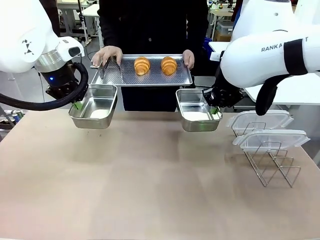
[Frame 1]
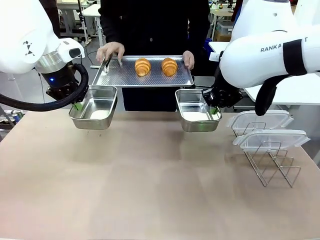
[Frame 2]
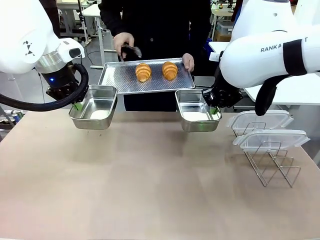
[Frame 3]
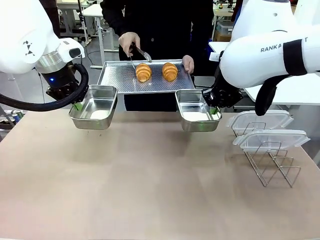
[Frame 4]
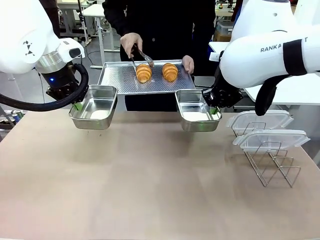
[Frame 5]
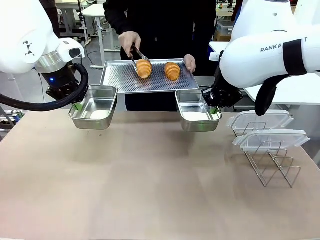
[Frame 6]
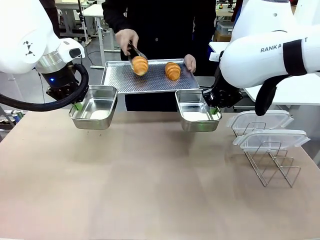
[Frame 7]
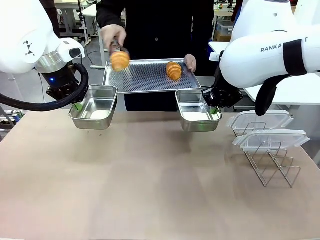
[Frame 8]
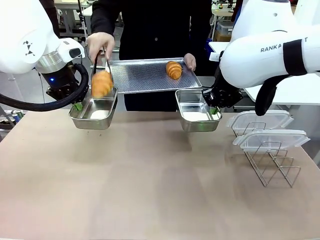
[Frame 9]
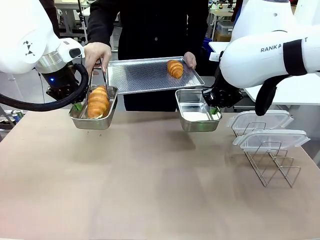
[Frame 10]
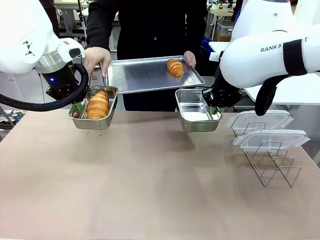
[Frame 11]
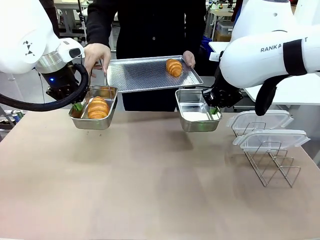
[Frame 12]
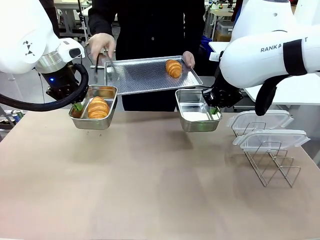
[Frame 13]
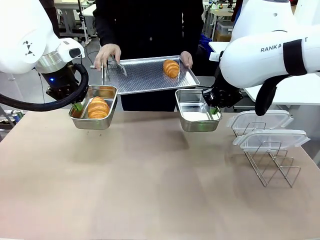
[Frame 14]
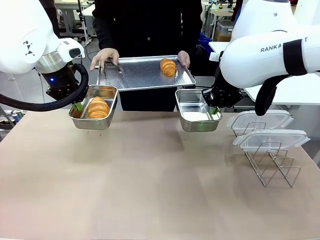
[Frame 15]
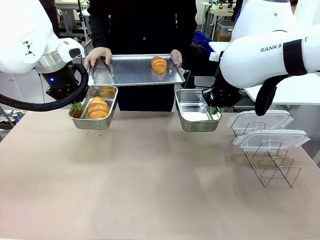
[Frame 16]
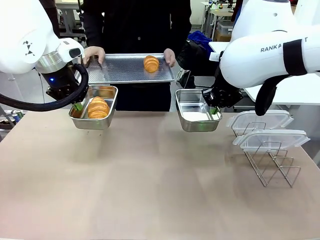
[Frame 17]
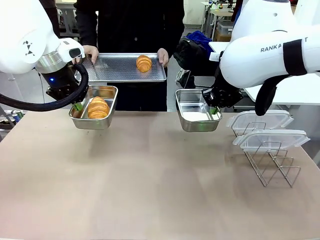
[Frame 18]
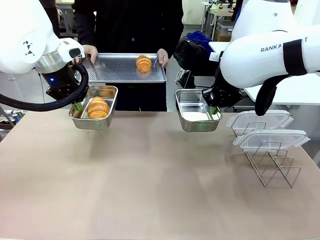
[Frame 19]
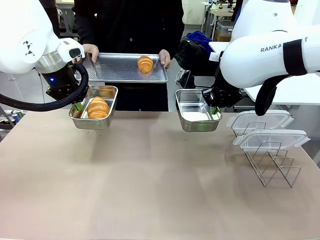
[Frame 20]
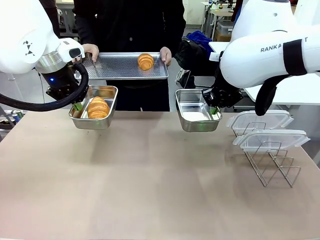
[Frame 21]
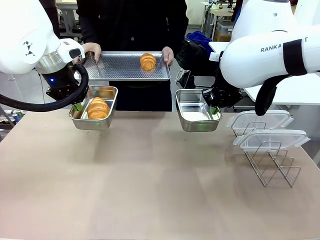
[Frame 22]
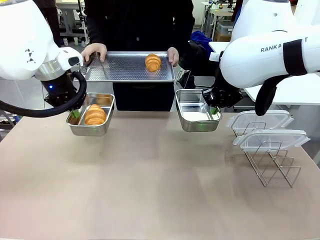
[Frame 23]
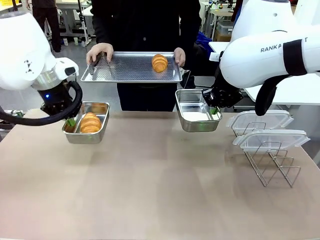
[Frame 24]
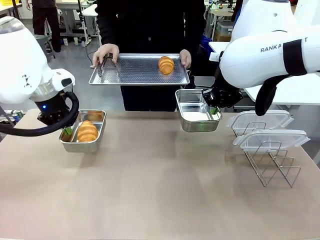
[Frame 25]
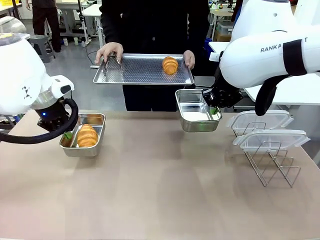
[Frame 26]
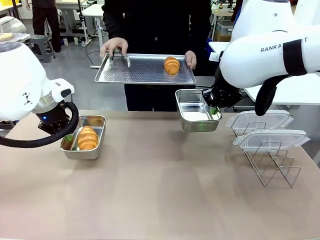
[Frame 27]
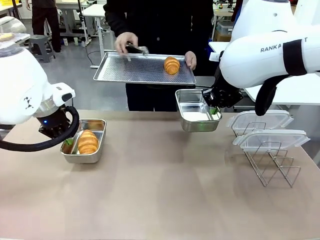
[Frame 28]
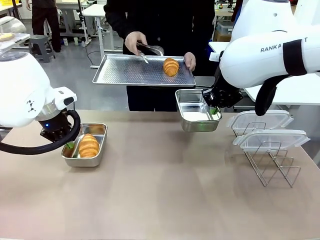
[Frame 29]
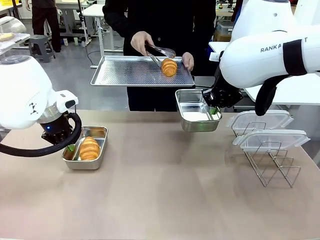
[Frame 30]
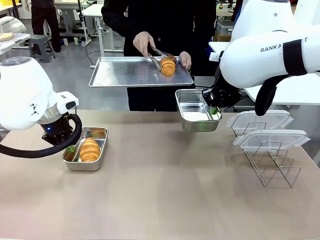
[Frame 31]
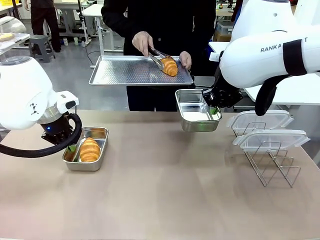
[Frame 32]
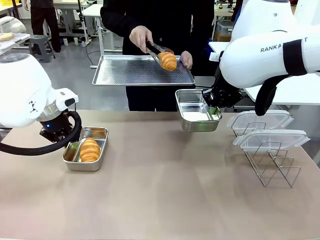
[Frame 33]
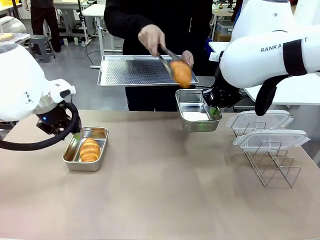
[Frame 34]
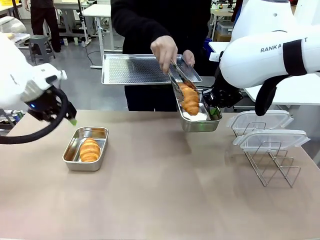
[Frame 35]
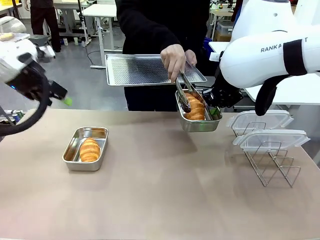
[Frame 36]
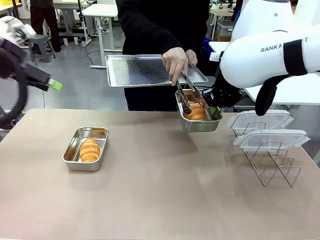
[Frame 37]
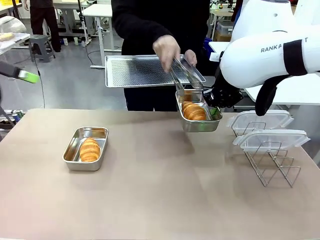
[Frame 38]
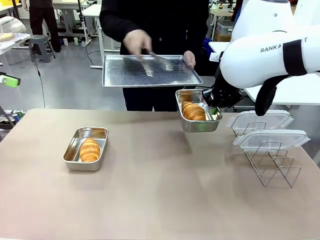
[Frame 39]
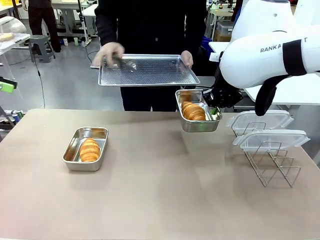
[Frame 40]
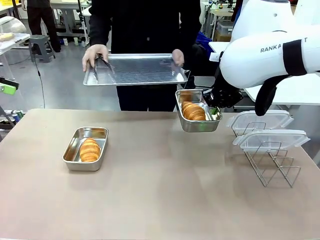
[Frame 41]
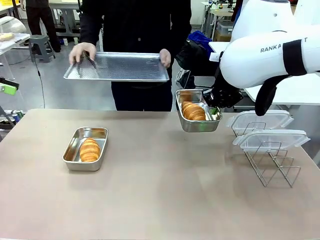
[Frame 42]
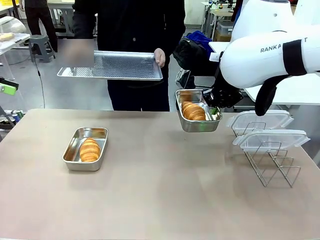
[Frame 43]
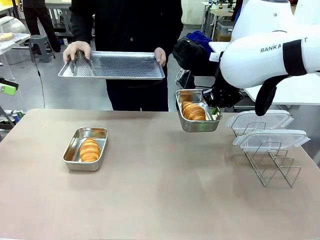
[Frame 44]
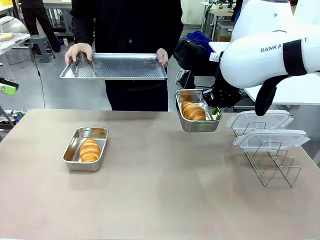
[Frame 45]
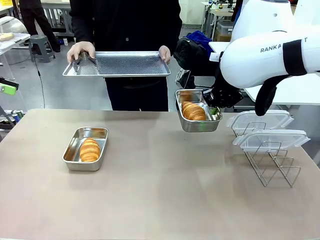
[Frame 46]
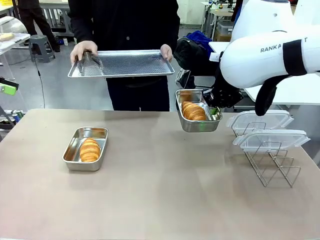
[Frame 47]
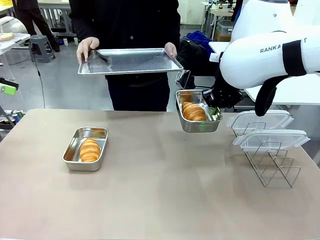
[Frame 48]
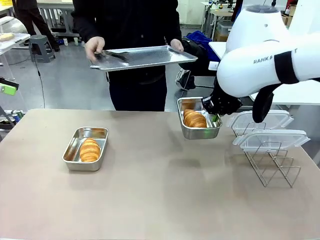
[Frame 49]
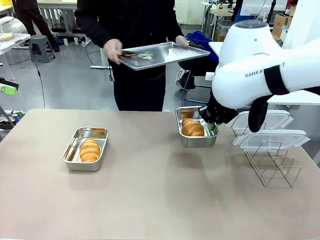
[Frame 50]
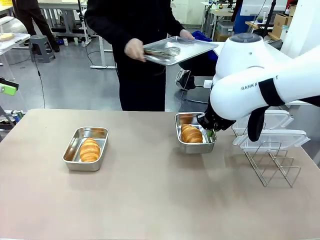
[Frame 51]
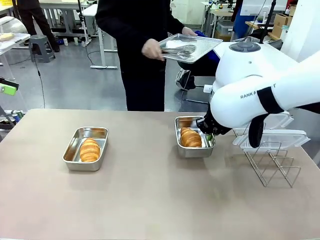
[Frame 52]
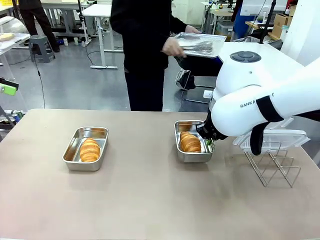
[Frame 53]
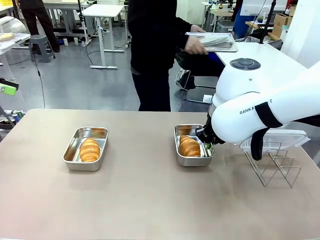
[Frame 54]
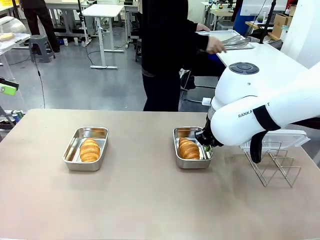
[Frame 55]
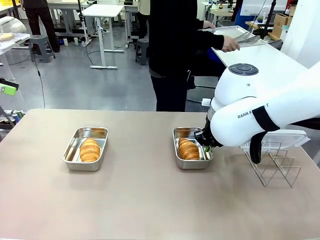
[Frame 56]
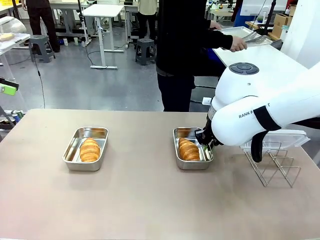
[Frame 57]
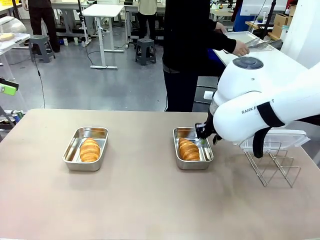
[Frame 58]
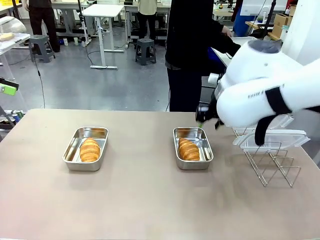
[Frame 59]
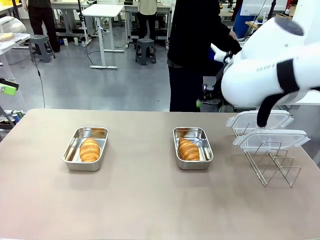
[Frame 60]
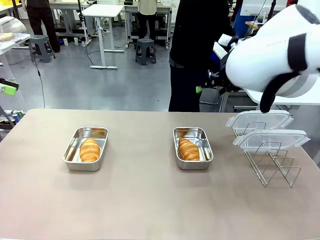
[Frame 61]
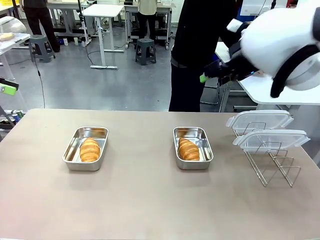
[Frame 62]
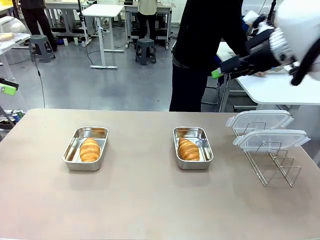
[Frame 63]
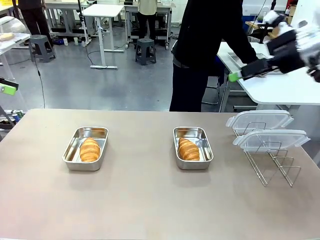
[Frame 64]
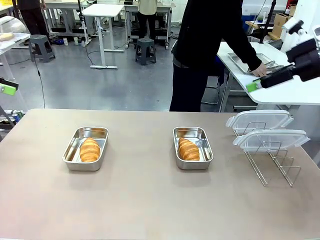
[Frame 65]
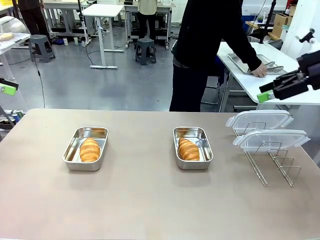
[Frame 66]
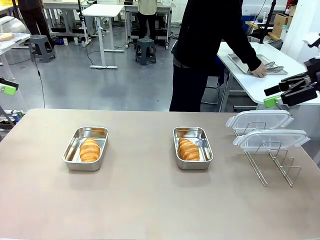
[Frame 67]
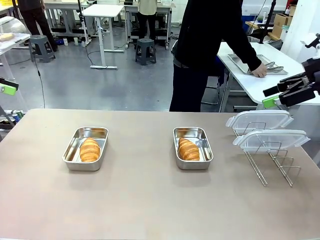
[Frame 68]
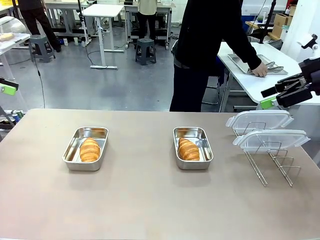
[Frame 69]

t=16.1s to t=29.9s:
Task: Place the bread in airtight containers.
Robot: Once an object is inside an Airtight Container , place the container in the center of the table.
Person: Use the Stainless steel tongs to place one object from Baking Sheet into one Airtight Container. Place Baking Sheet on the Human's Table.

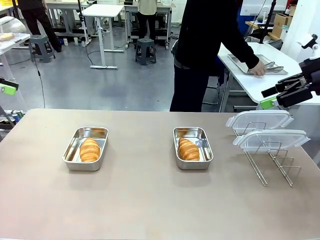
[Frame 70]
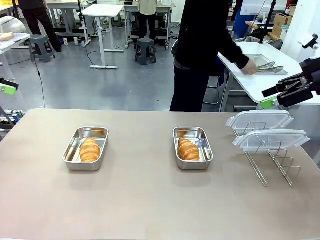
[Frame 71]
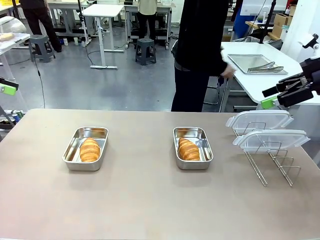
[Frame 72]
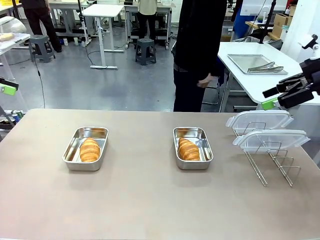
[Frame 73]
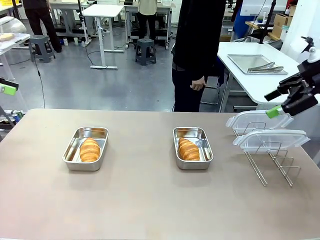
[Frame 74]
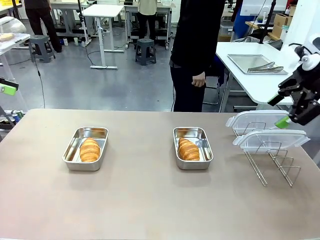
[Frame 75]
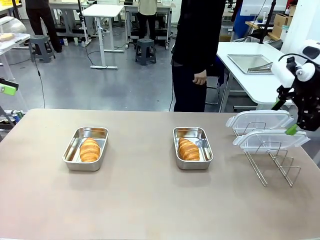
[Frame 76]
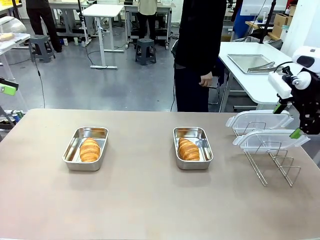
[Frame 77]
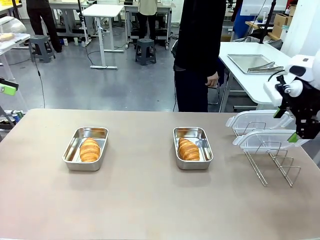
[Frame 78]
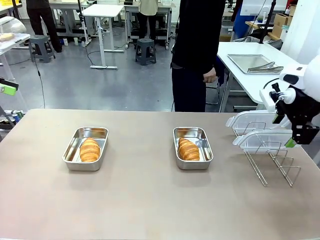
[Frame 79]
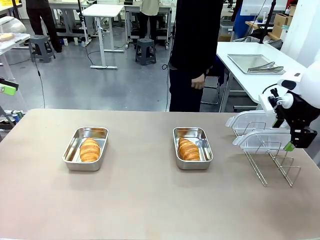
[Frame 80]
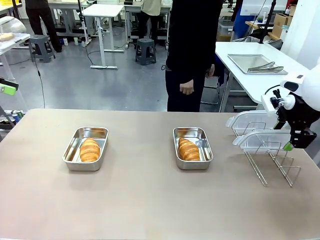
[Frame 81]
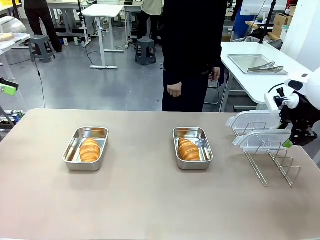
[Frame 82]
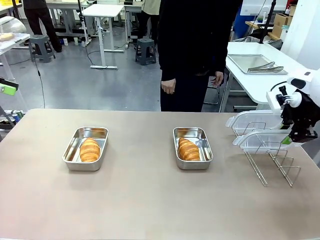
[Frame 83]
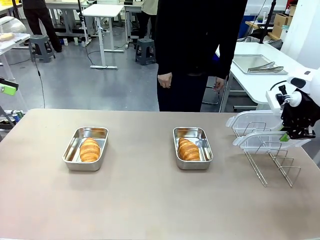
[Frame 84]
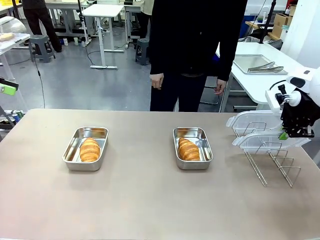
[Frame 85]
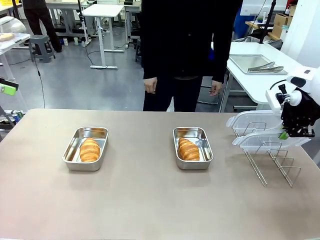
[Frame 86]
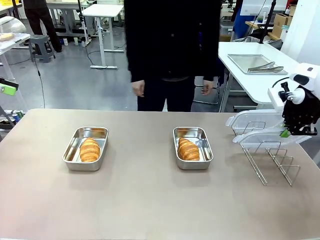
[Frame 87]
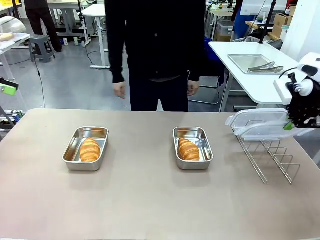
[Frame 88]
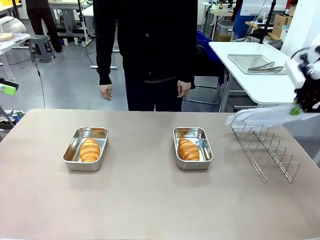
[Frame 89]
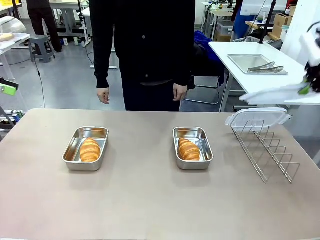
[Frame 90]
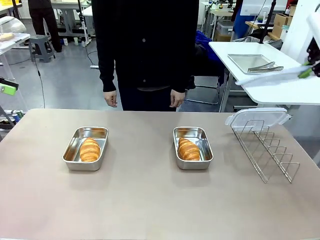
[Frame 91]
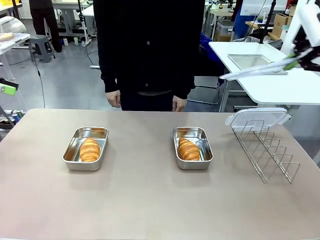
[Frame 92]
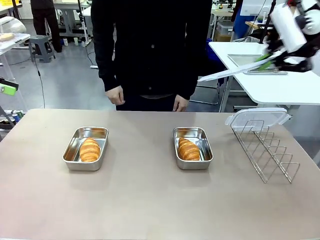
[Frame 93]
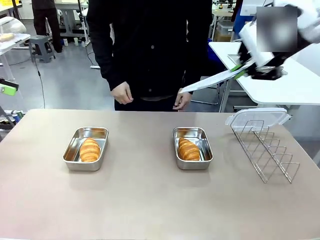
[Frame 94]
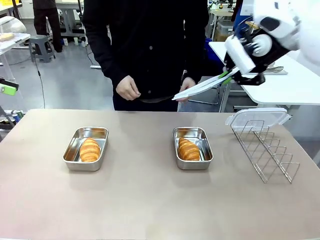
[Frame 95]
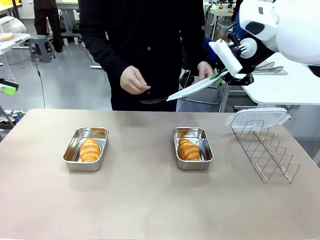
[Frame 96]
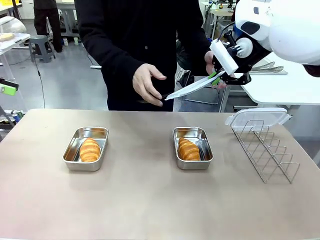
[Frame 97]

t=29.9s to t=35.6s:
Robot: Pick up one Airtight Container lid and hand it to the human.
Person: Grip Airtight Container lid that robot is handing.

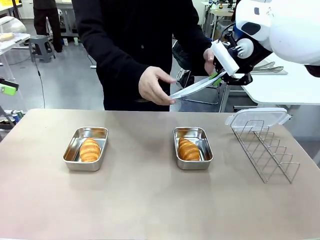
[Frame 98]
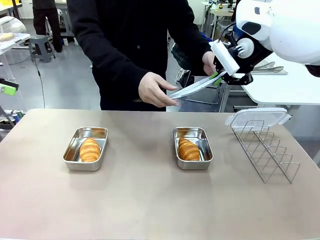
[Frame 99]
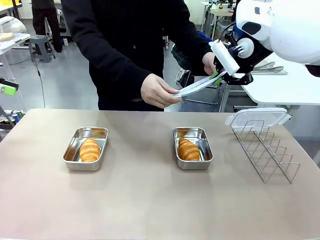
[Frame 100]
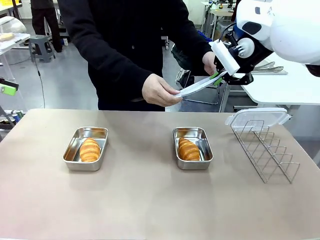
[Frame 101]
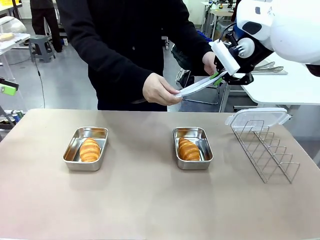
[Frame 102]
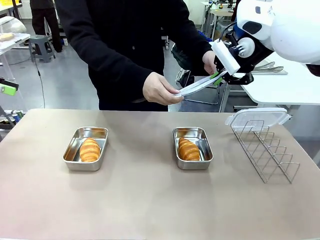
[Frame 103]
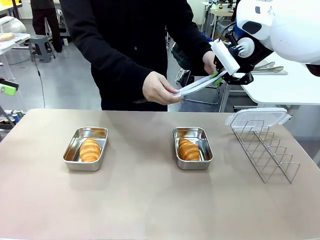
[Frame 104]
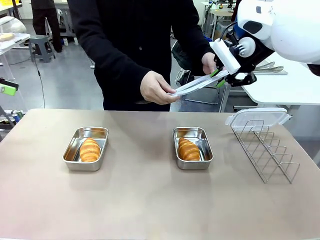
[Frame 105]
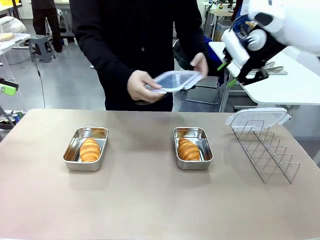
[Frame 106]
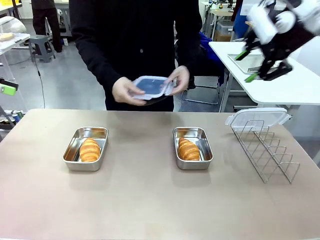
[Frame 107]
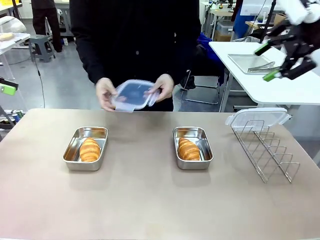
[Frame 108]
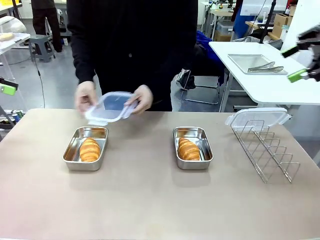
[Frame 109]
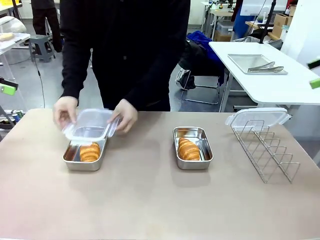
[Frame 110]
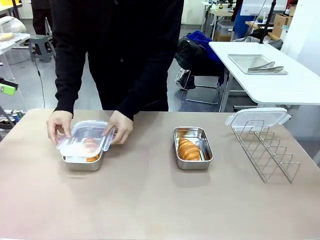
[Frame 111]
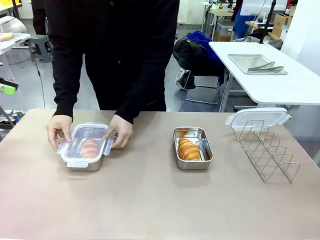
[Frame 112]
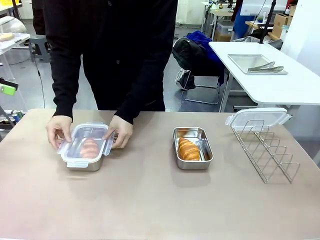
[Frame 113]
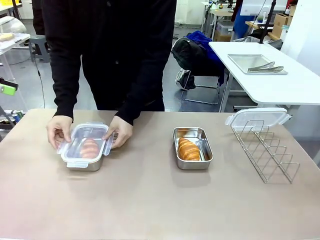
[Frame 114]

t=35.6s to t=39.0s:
Robot: Release when the human grabs the Airtight Container lid.
